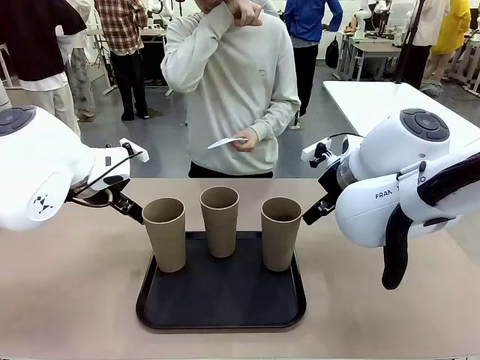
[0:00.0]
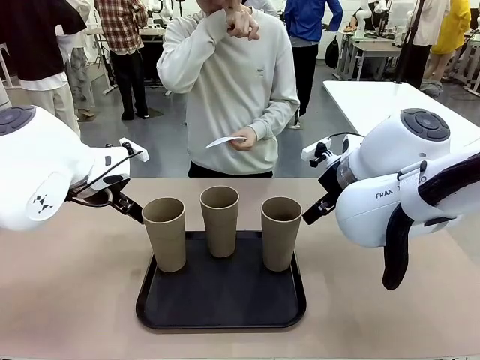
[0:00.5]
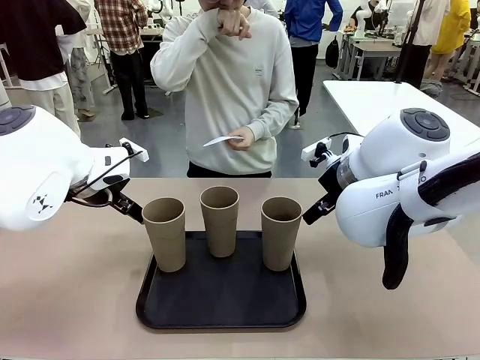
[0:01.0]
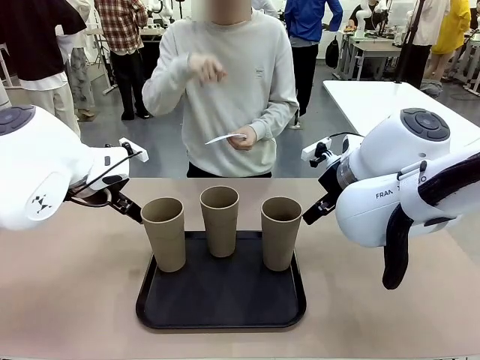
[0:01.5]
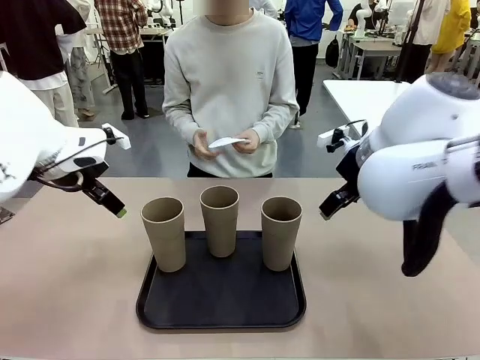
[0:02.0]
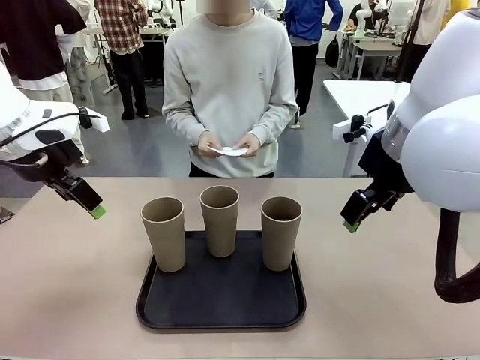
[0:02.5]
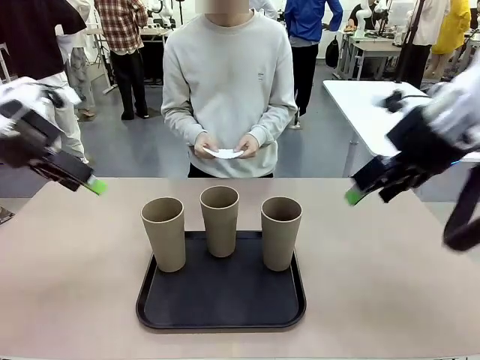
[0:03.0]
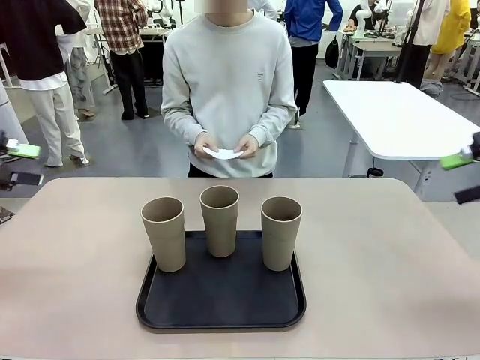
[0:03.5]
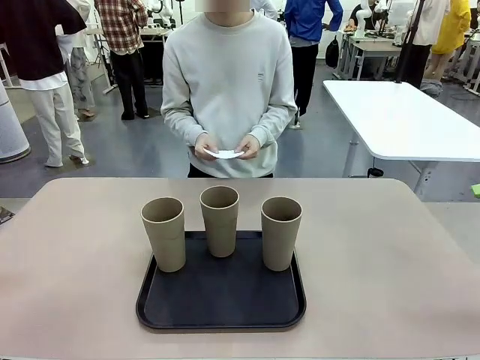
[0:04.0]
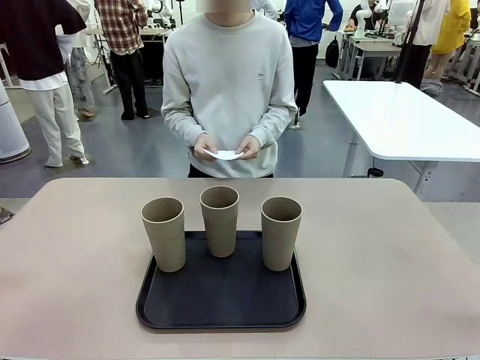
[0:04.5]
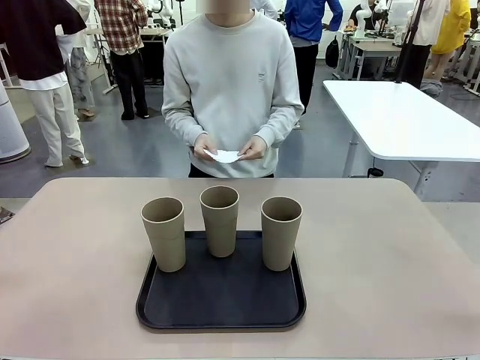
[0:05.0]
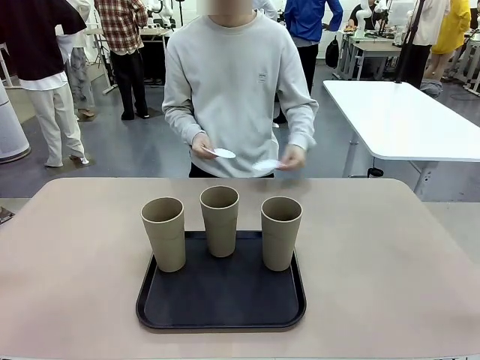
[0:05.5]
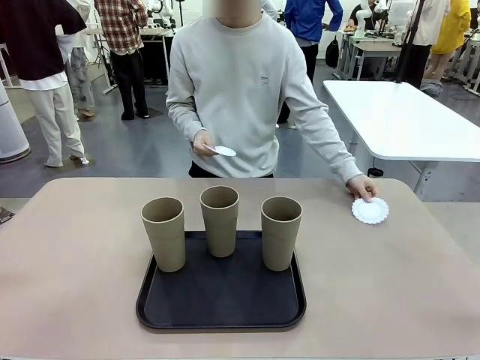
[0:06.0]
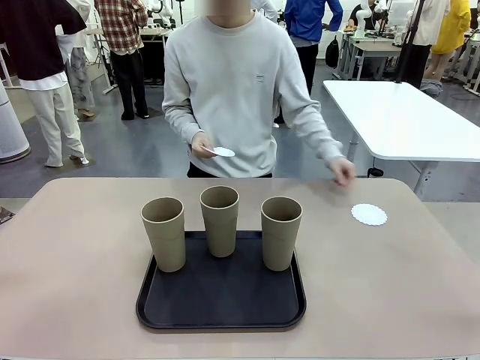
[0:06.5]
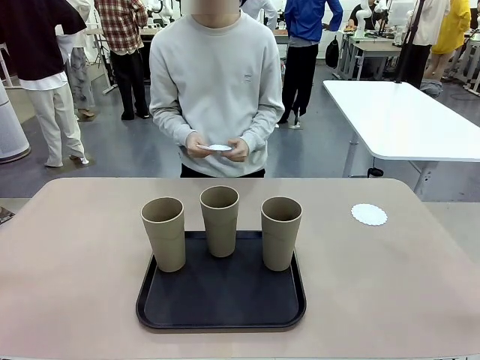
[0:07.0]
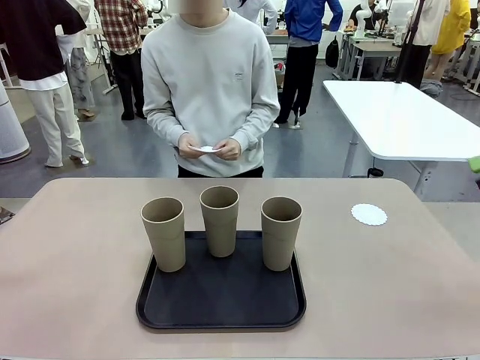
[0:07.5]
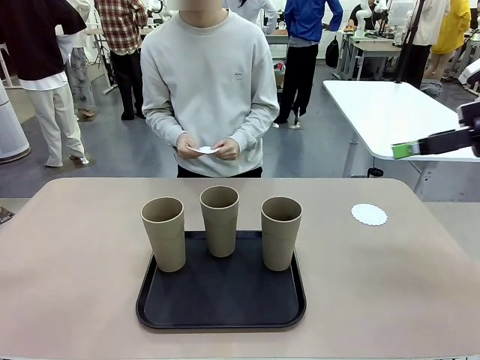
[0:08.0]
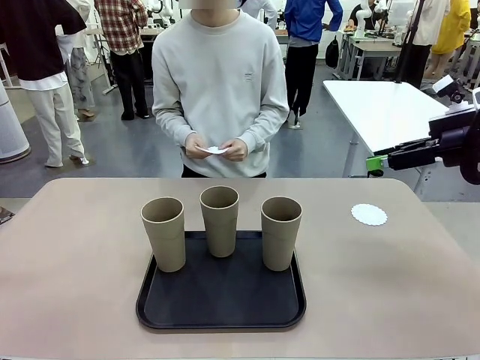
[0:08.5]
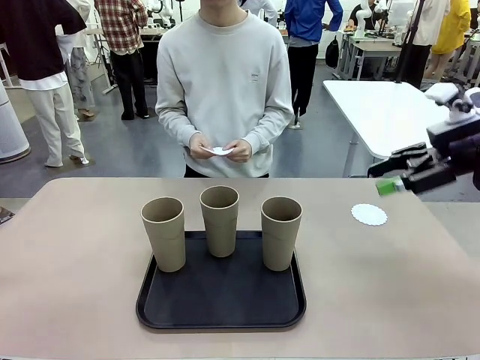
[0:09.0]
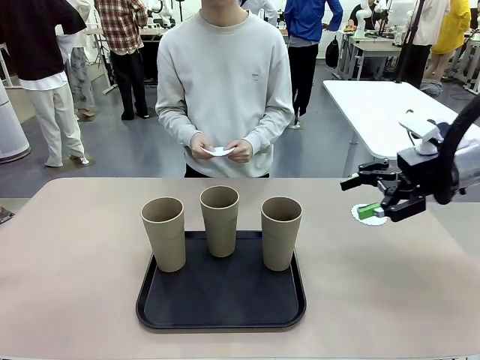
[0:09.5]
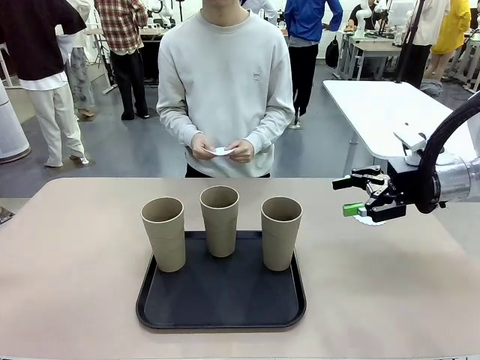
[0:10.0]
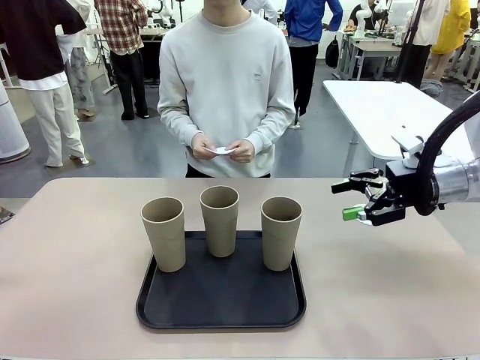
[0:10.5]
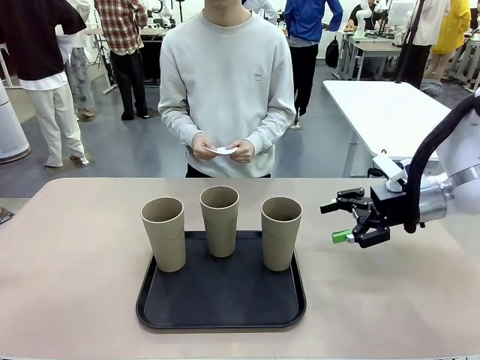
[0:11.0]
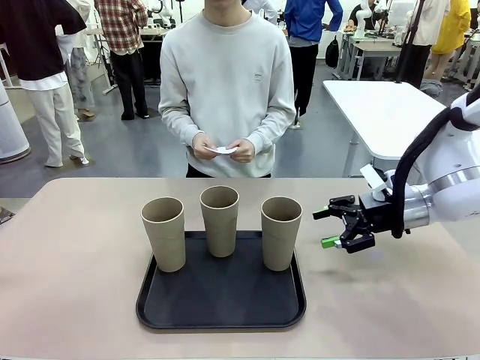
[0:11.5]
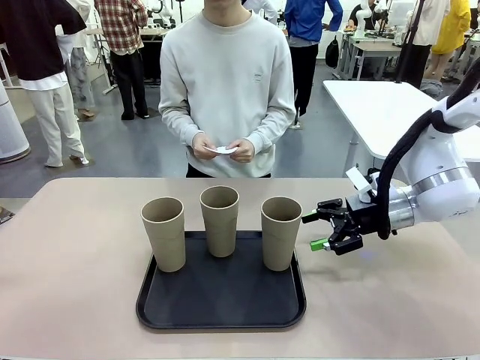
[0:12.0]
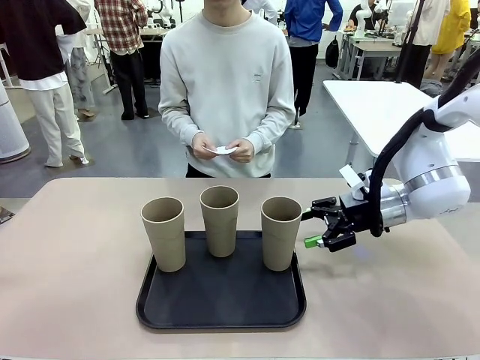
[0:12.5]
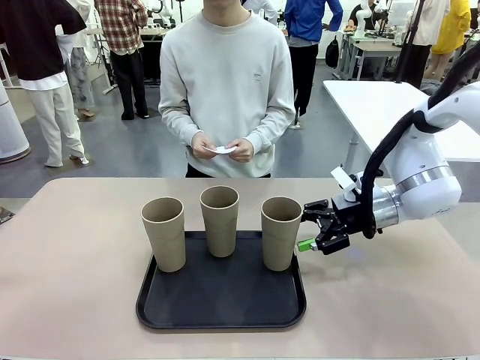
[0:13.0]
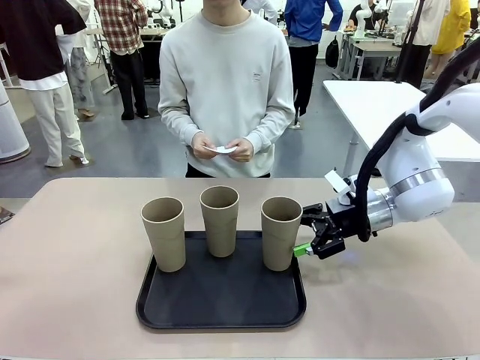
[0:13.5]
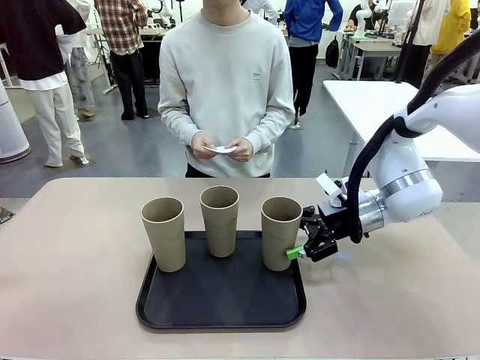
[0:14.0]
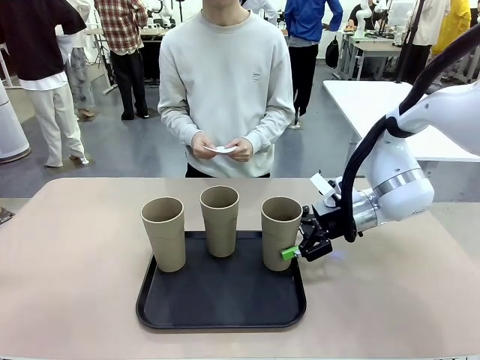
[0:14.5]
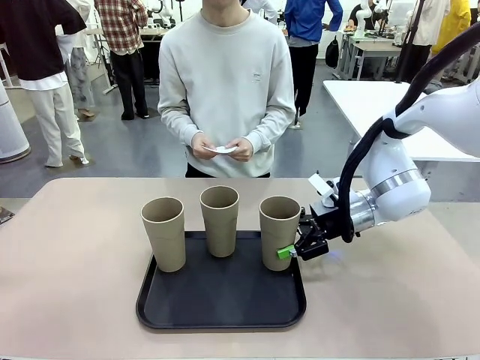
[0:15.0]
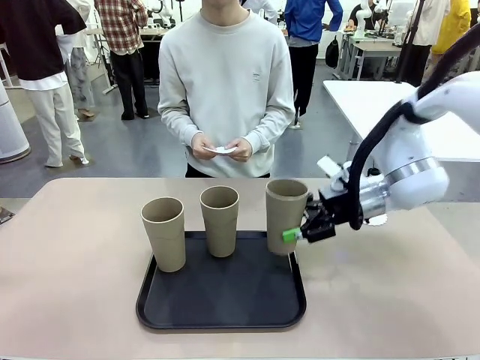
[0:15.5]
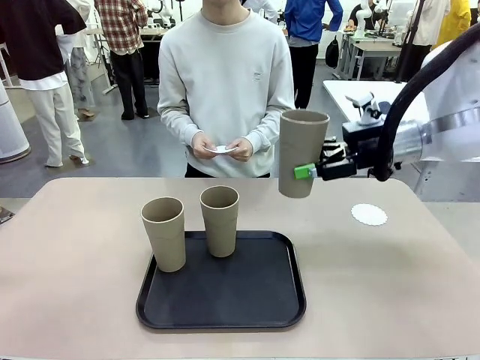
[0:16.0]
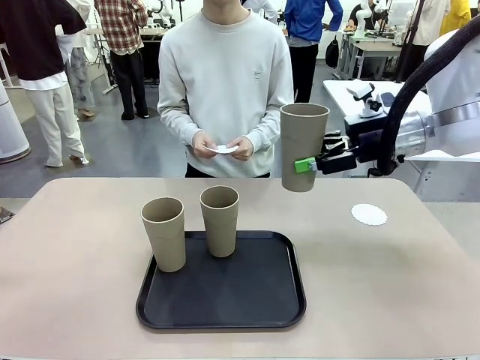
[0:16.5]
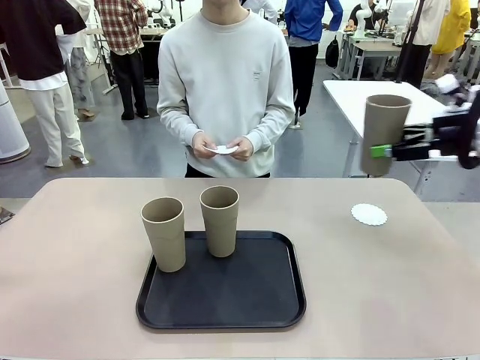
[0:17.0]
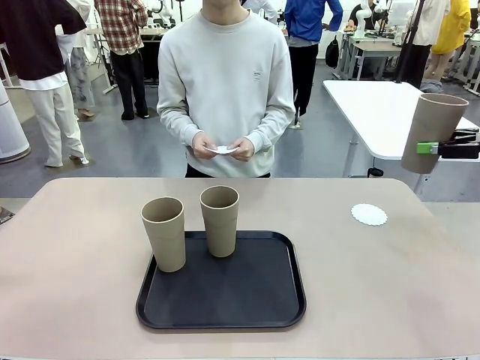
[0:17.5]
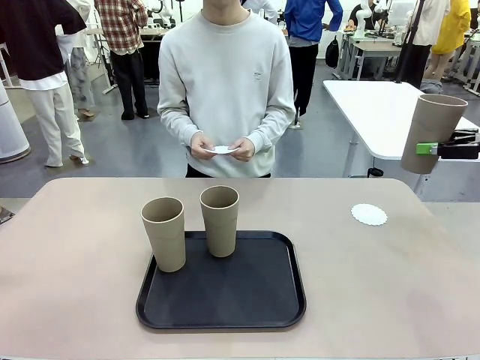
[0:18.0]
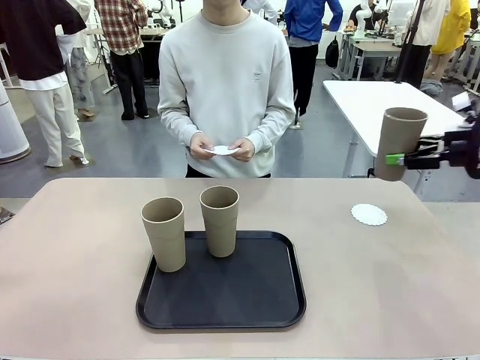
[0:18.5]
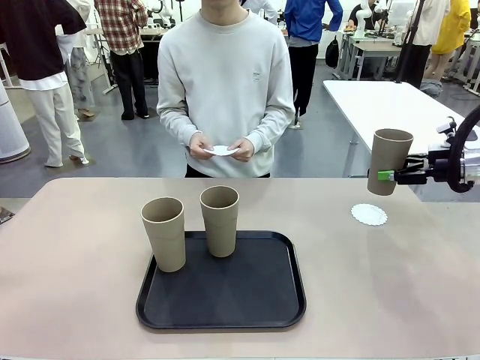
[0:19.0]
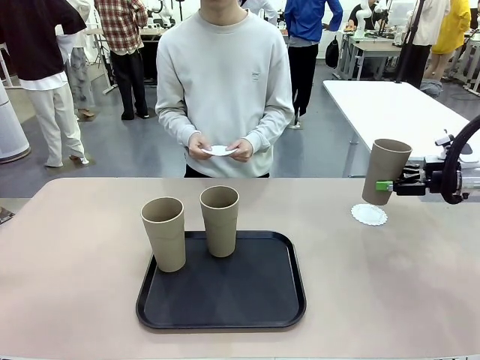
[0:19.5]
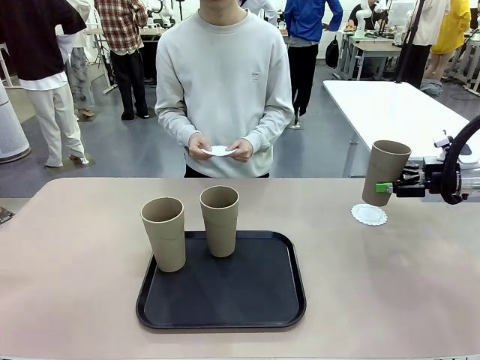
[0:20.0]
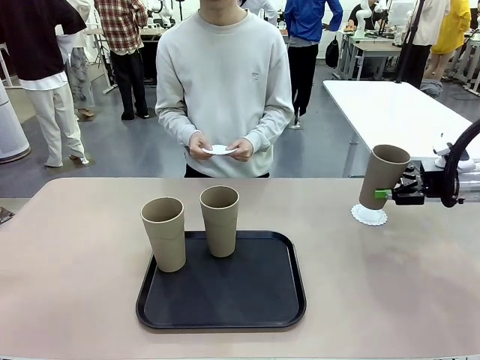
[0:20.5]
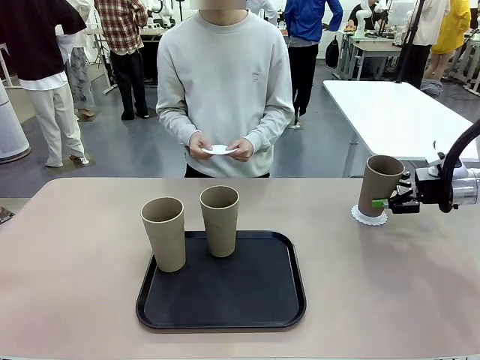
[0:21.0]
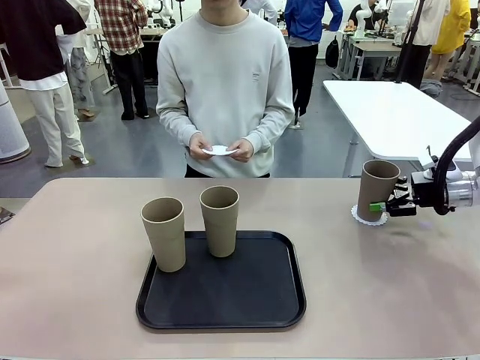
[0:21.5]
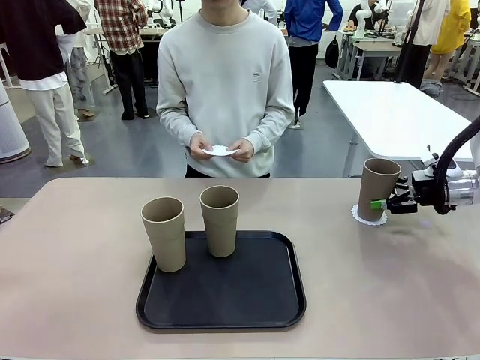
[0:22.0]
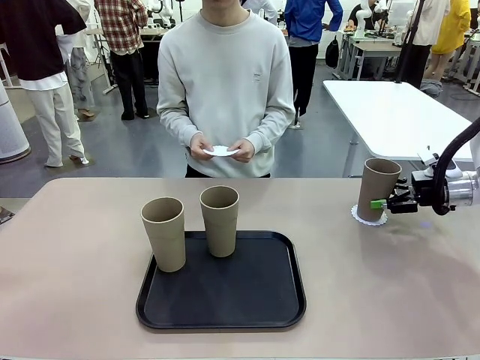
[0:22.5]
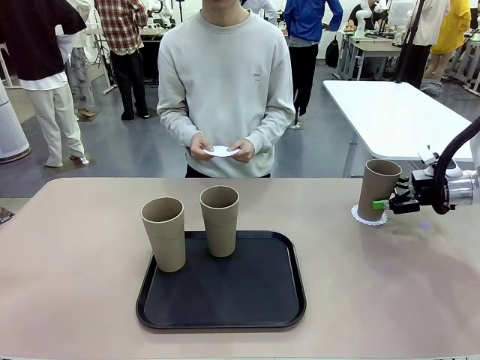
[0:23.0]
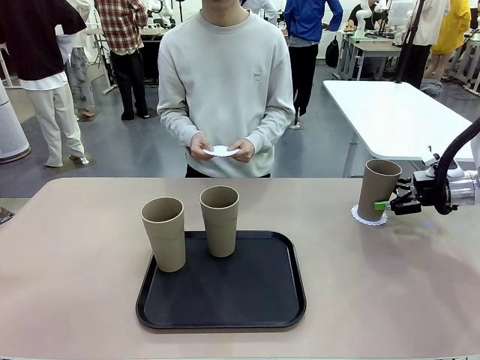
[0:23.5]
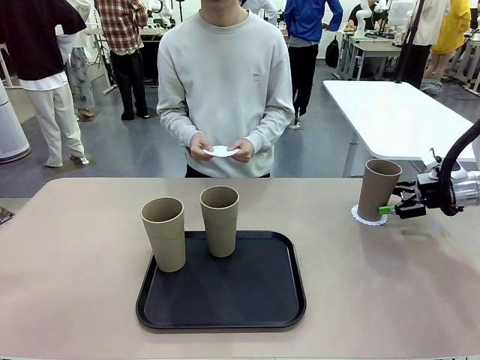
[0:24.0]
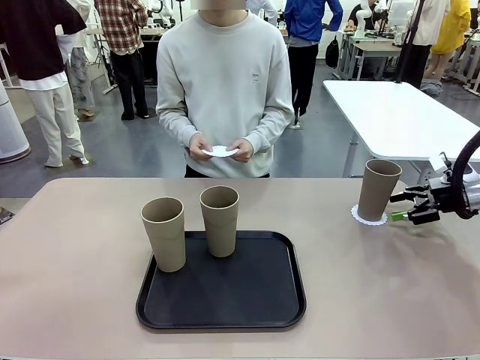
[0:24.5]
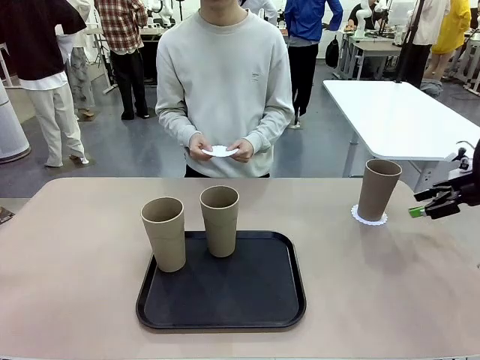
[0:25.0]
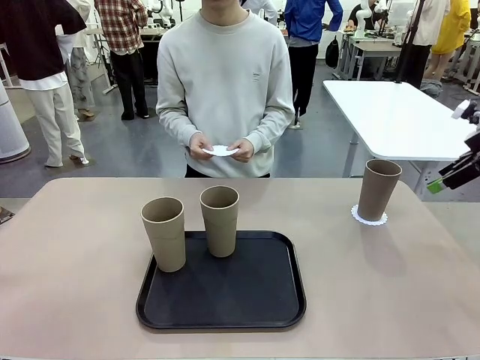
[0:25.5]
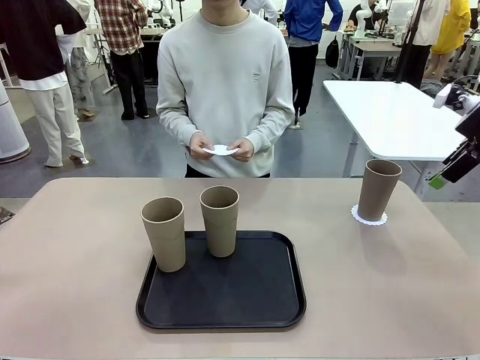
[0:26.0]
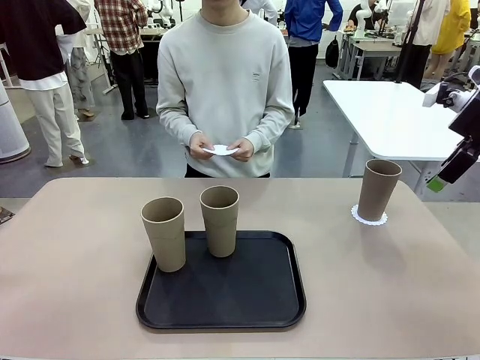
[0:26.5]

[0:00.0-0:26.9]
Task: Place coasters on the table and set cups on them.
Robot: Pick up one Reusable plastic cup and place it on a coaster set by the human.
Person: Place one coaster in any one of the three lower areas of the robot table (left, center, or right). Place one coaster in one of the two areas excluding the previously selected area.
